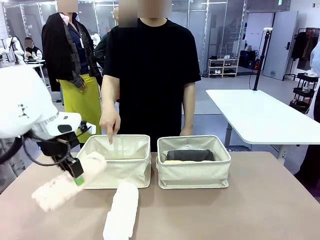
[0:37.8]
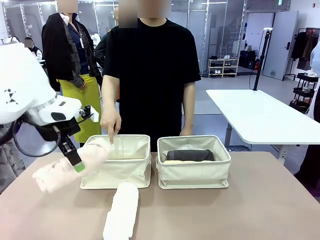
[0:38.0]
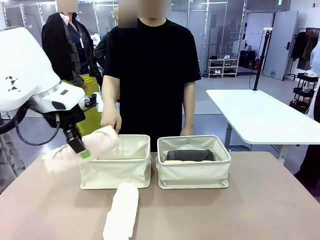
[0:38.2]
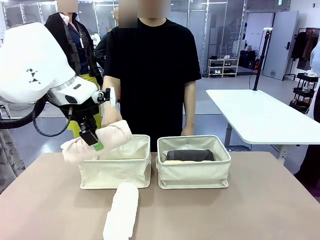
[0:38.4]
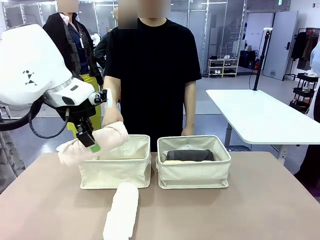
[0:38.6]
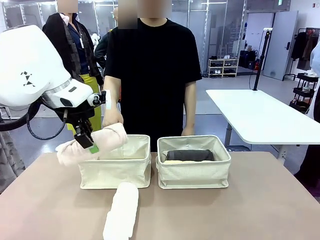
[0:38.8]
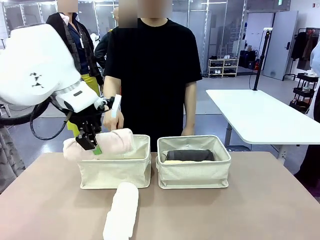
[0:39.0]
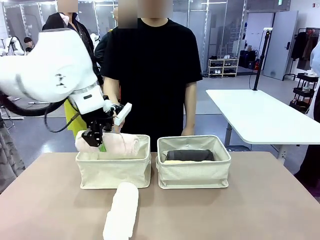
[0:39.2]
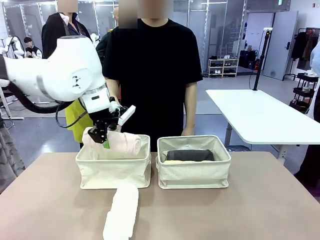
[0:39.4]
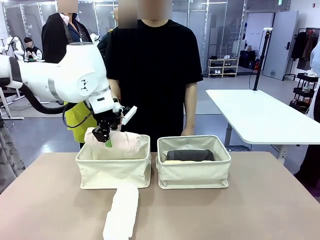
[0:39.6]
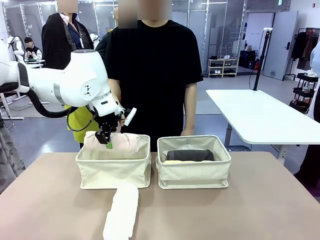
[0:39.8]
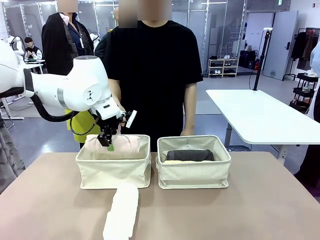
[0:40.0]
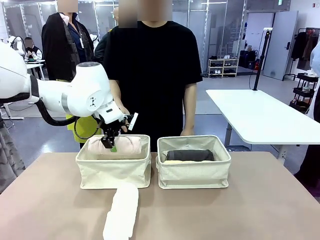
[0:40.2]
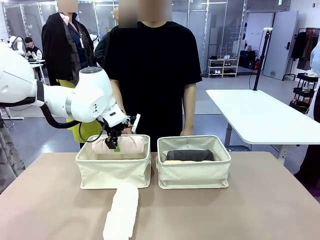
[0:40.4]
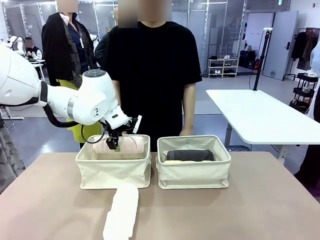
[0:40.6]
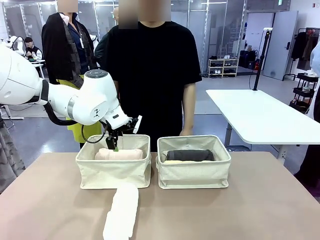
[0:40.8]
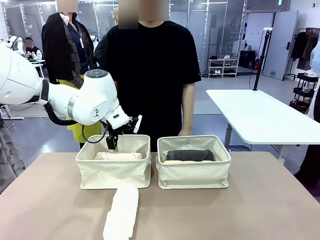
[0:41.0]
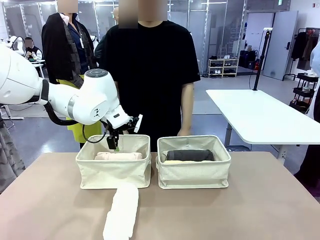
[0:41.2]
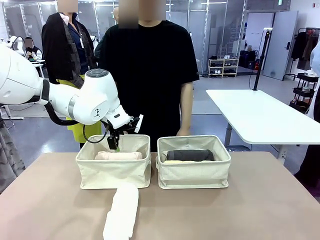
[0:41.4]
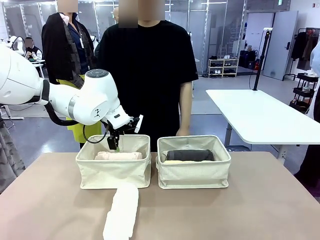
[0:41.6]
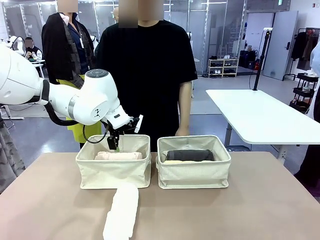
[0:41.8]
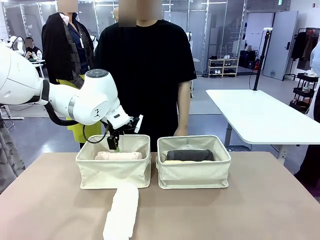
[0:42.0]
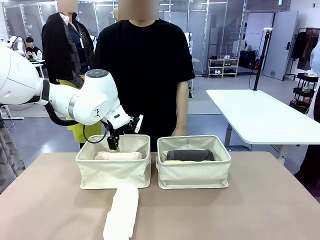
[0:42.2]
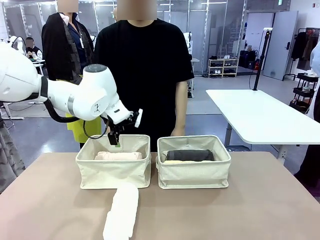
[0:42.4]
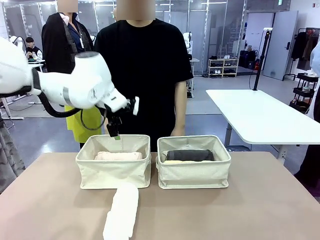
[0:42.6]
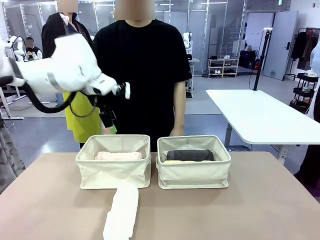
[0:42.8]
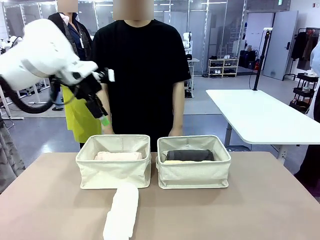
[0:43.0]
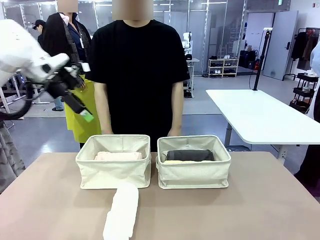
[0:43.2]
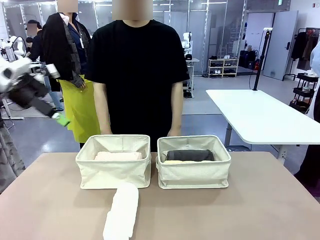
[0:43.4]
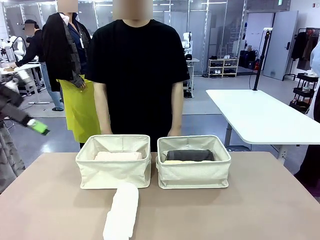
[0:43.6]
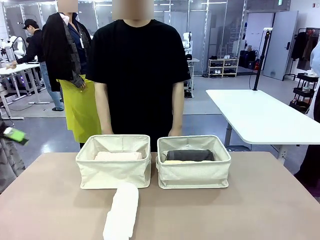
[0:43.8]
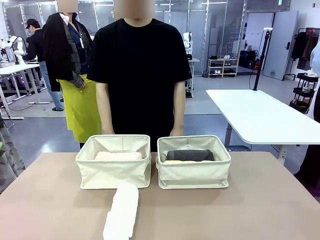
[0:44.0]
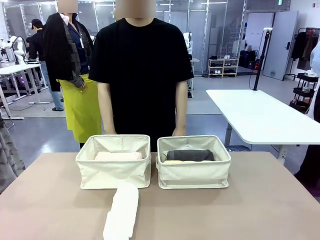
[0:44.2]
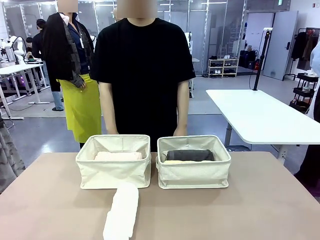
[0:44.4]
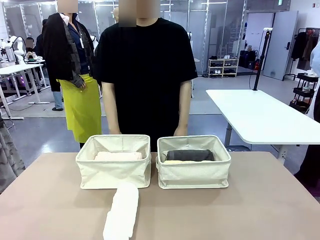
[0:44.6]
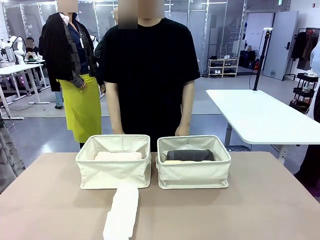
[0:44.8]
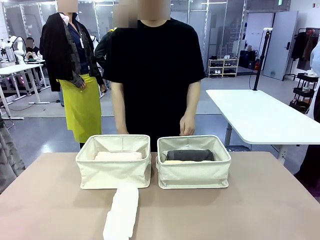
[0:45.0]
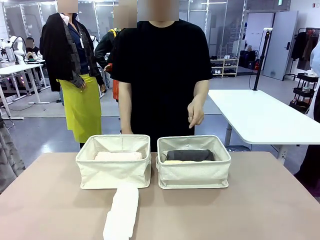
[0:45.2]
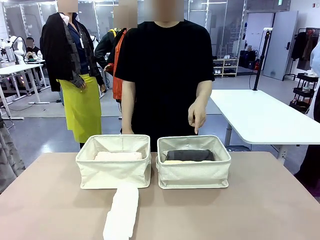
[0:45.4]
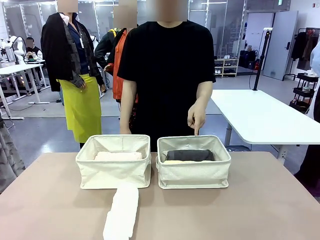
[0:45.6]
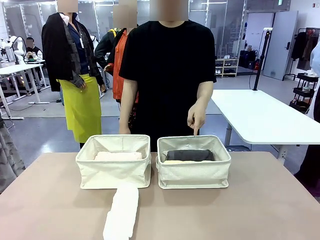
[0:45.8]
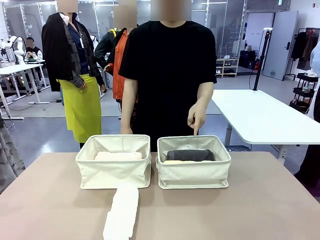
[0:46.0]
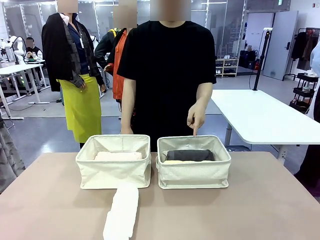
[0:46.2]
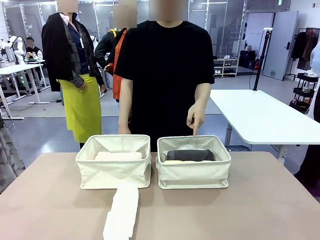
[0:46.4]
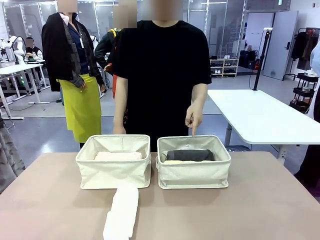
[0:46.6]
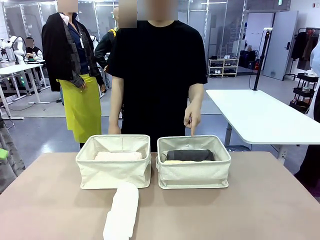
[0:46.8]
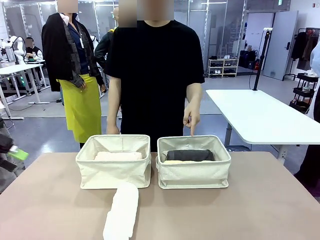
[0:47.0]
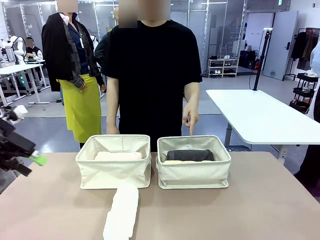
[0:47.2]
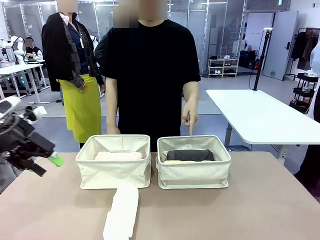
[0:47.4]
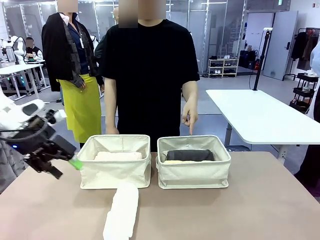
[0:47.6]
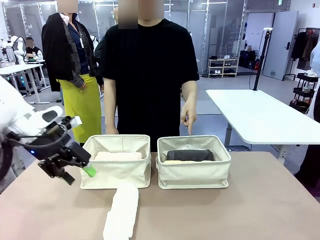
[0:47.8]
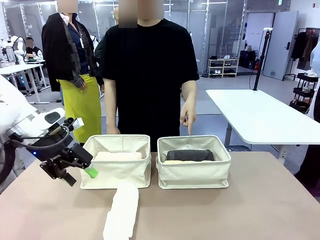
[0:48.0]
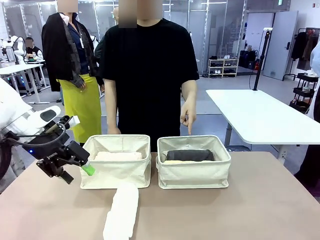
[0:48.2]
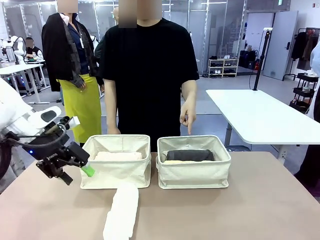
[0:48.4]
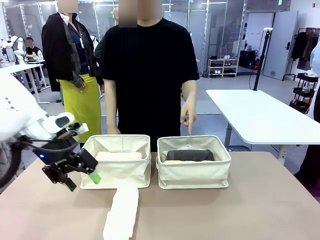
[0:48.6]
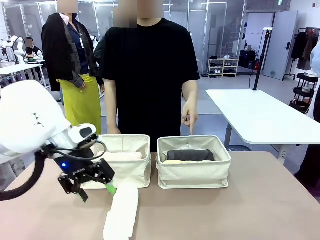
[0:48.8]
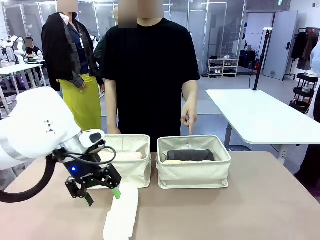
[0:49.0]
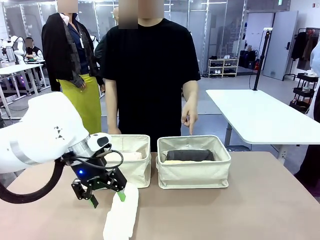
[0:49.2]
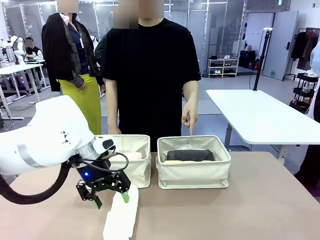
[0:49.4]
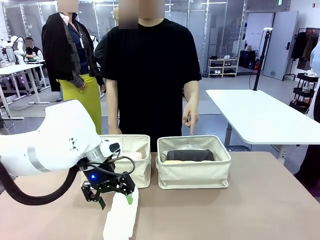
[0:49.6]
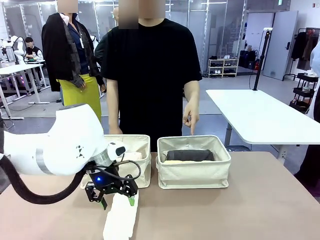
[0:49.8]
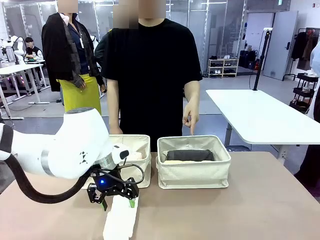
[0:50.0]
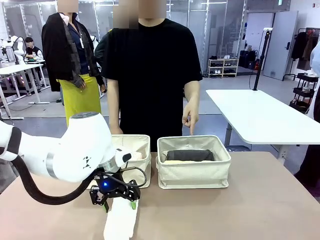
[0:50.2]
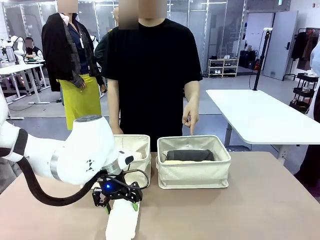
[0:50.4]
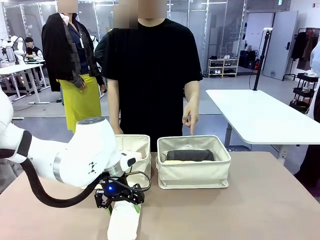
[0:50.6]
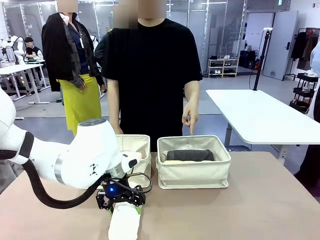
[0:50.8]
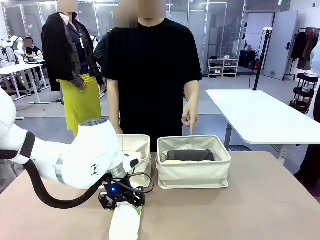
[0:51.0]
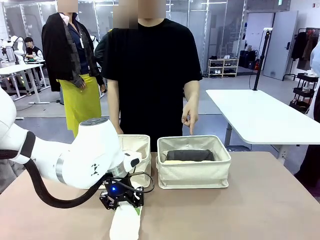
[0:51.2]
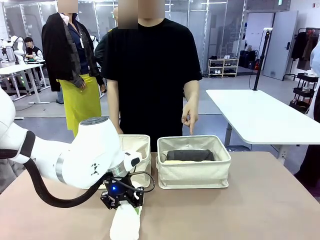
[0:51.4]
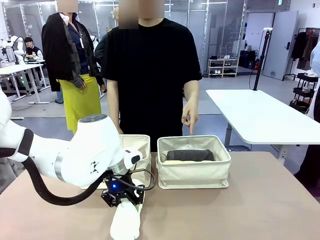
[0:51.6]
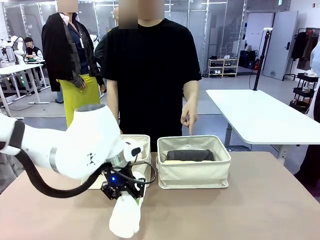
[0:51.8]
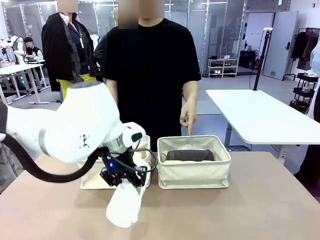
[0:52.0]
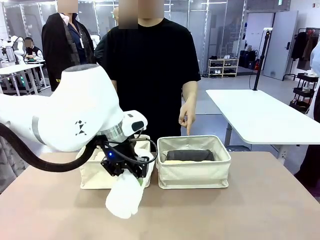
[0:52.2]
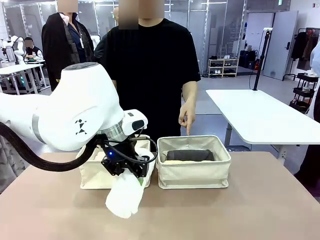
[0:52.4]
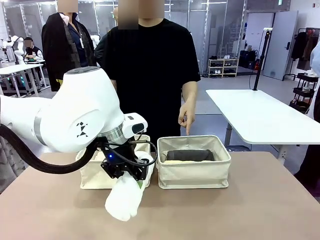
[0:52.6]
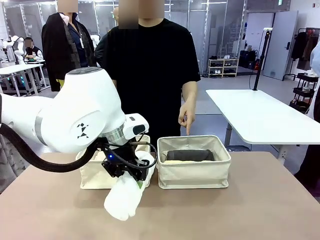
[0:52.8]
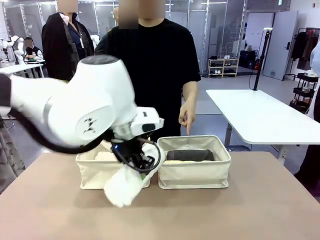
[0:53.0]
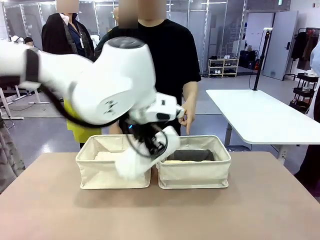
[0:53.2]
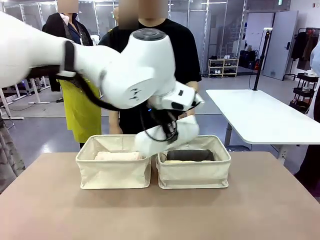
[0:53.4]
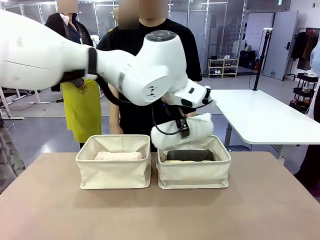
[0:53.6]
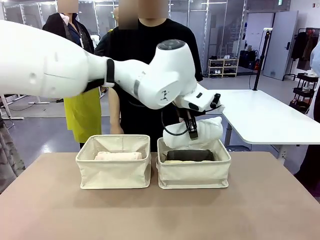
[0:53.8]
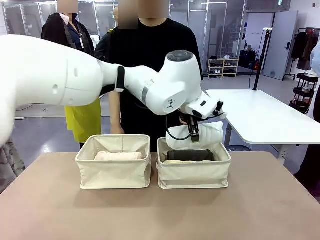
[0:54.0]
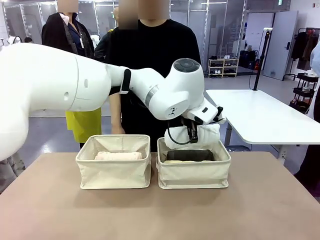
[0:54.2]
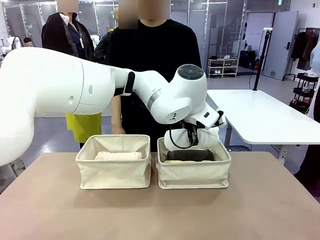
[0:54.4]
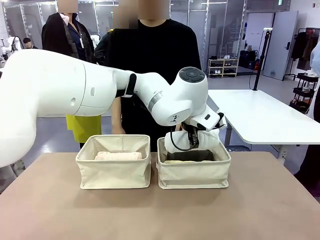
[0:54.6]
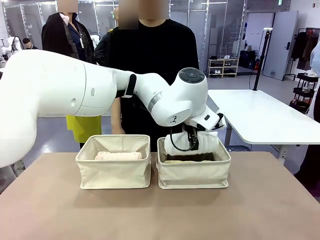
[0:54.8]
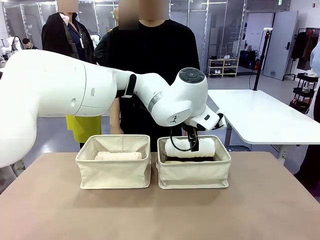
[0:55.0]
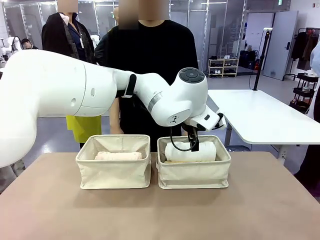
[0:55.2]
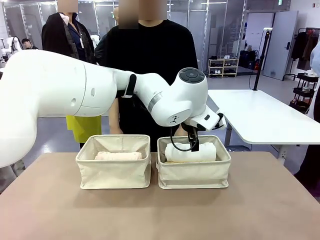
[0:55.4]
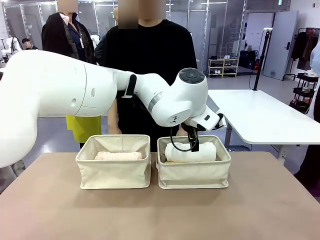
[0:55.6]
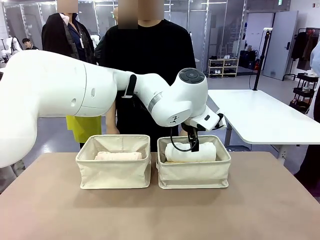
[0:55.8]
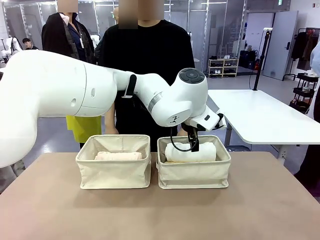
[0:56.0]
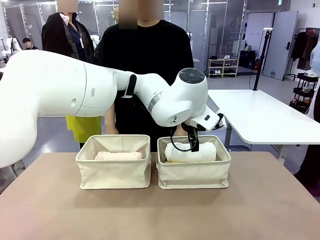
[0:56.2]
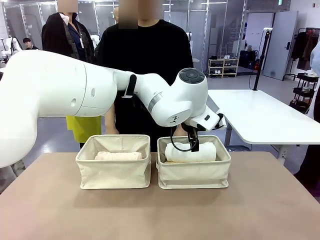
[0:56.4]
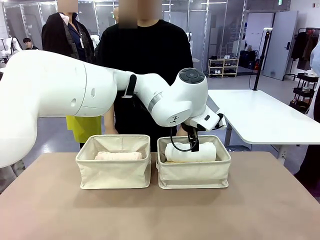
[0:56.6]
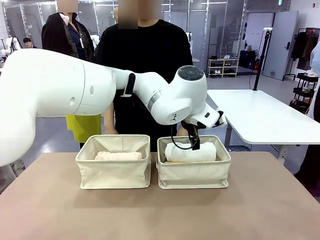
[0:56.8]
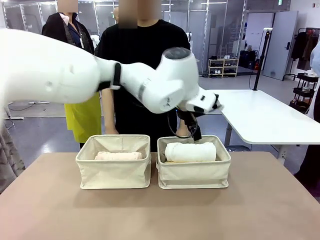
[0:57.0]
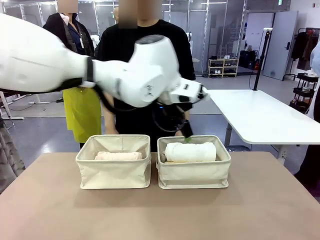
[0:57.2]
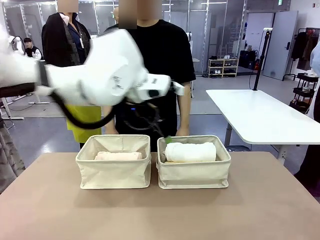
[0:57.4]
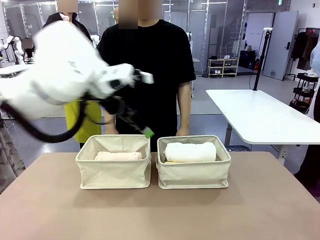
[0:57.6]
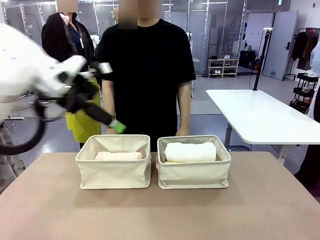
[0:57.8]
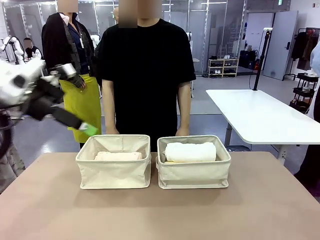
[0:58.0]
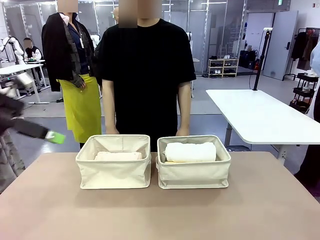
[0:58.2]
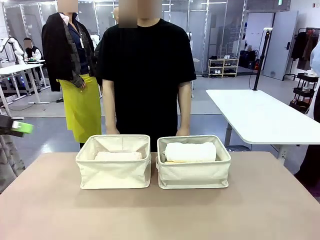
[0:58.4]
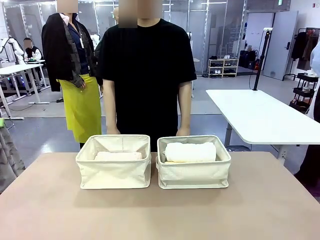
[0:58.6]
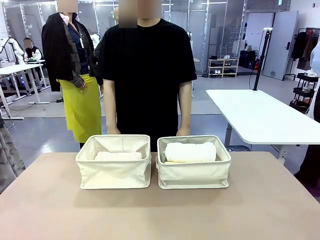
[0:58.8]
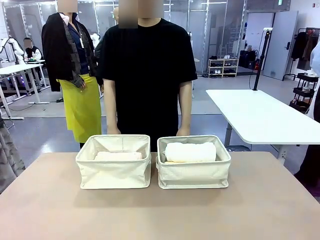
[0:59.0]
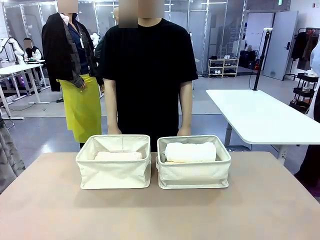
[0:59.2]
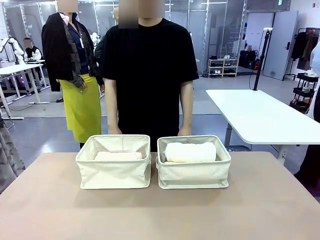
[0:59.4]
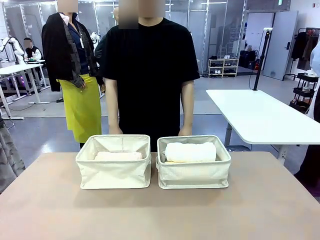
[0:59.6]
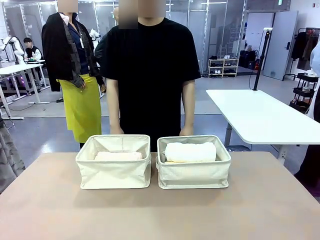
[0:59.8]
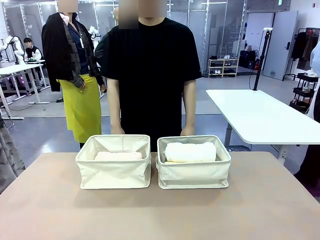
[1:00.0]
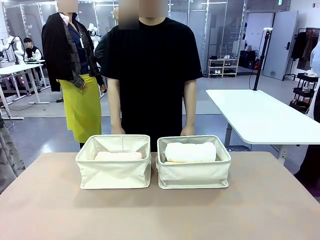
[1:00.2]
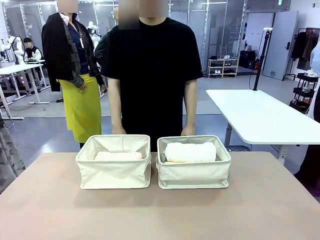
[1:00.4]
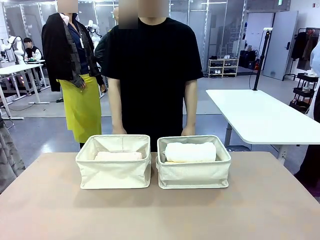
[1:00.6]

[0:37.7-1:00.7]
Task: Divide the towels into two baskets.
Robot: Pick up one hotel-folded towel from the bottom of the table and place it in the Fabric basket indicated by the person.
